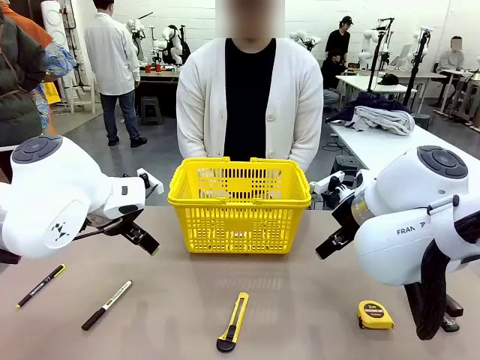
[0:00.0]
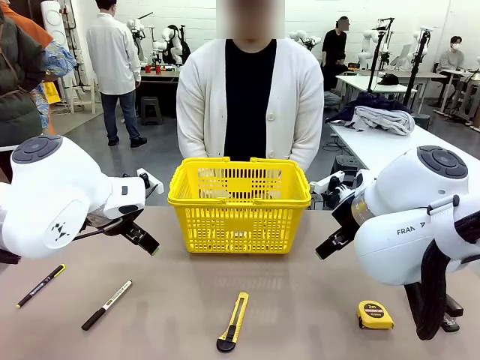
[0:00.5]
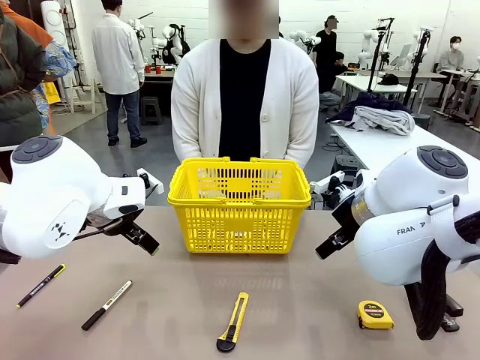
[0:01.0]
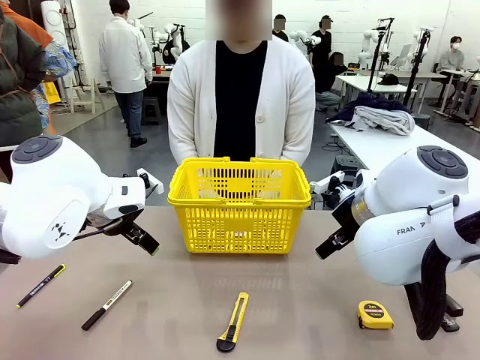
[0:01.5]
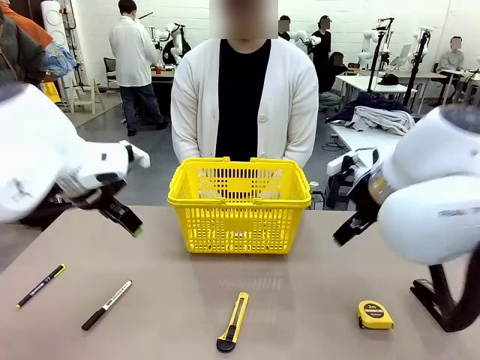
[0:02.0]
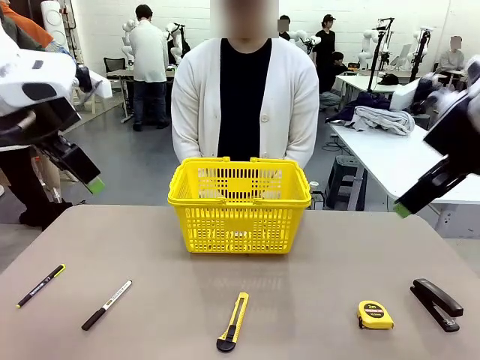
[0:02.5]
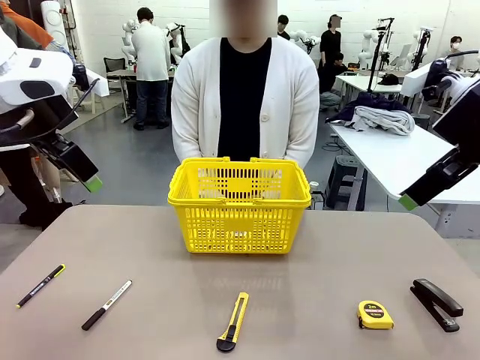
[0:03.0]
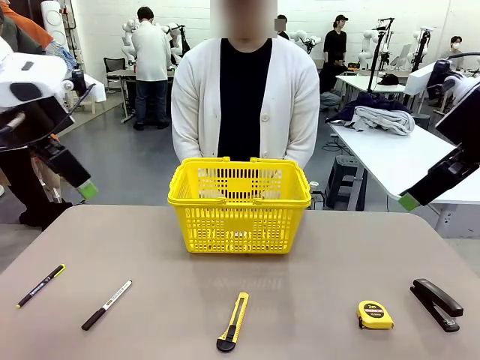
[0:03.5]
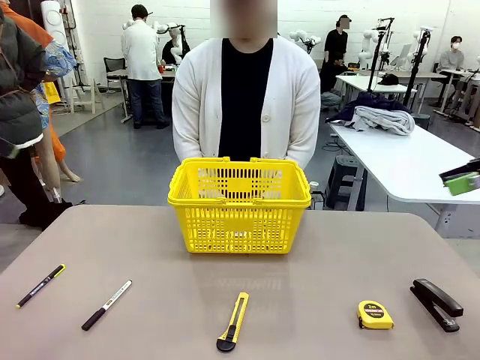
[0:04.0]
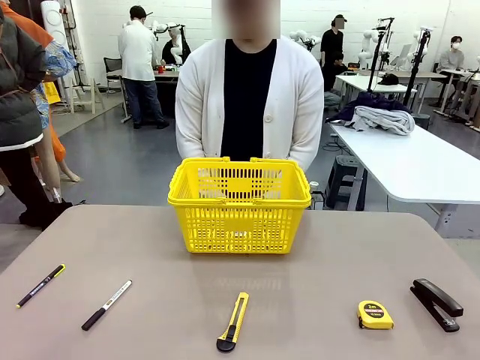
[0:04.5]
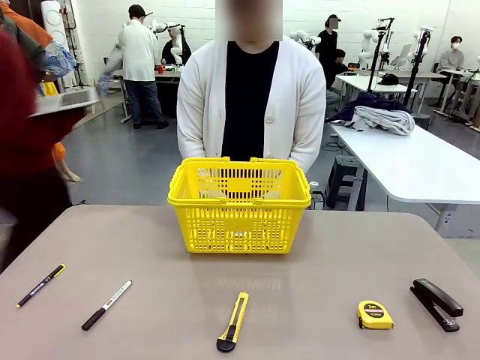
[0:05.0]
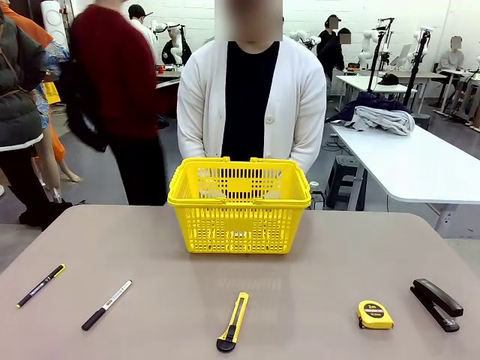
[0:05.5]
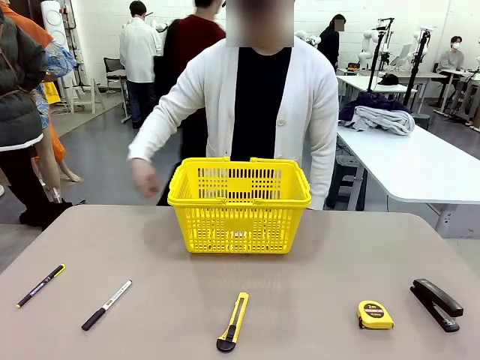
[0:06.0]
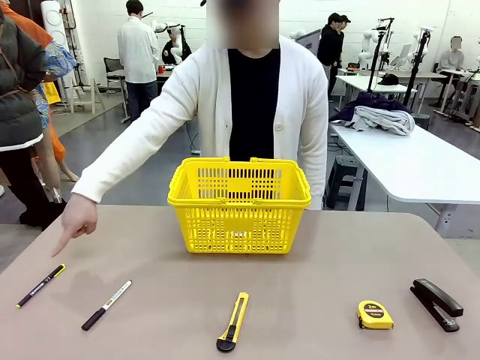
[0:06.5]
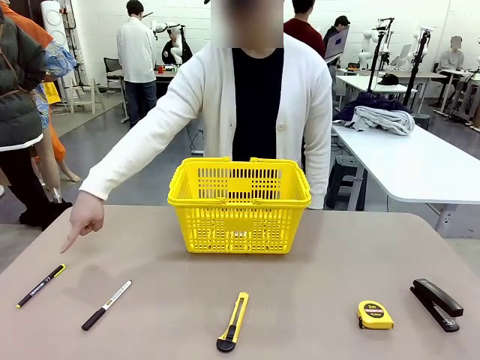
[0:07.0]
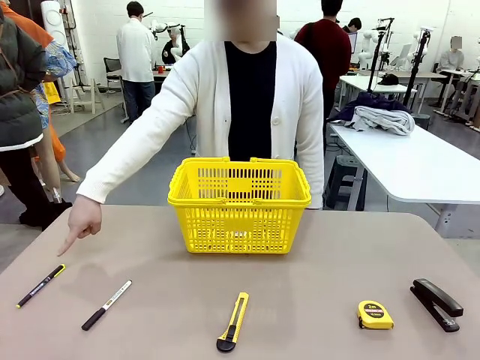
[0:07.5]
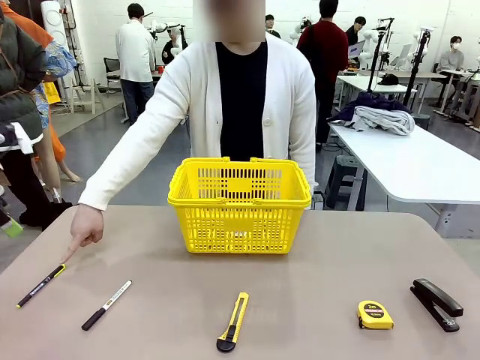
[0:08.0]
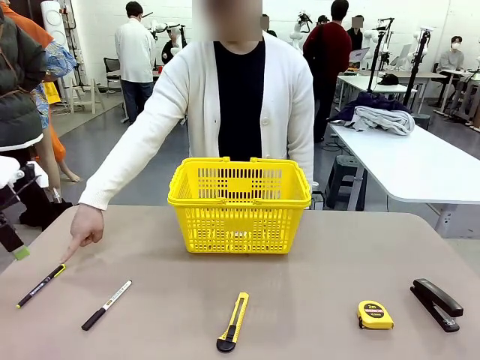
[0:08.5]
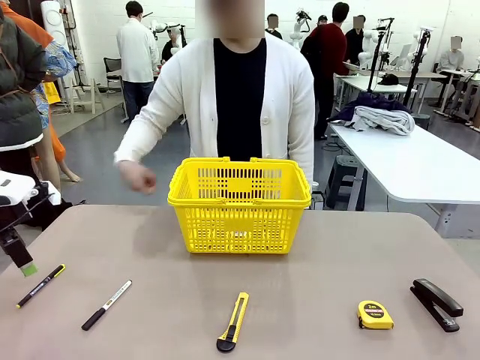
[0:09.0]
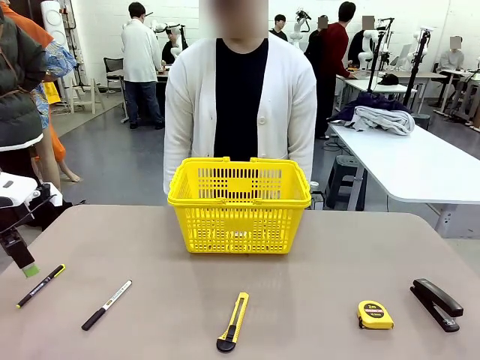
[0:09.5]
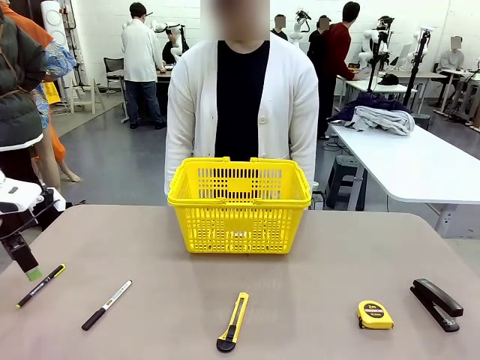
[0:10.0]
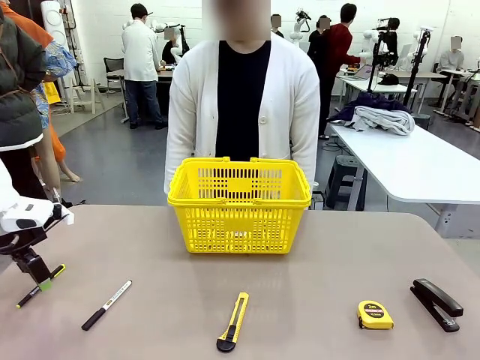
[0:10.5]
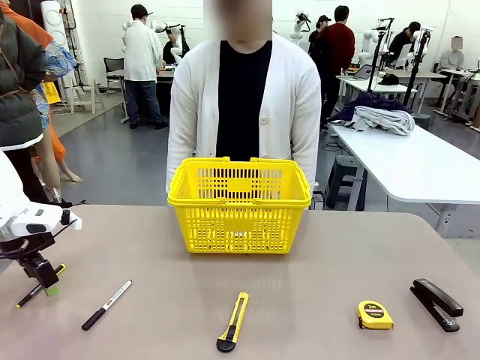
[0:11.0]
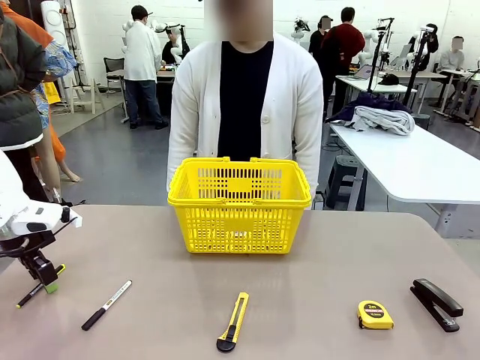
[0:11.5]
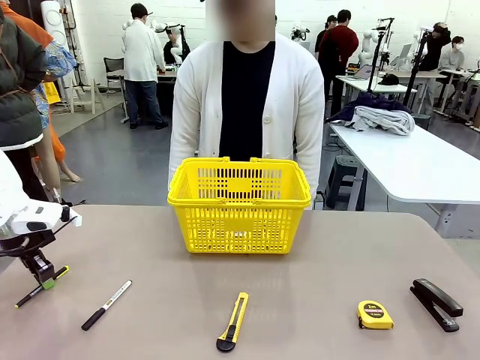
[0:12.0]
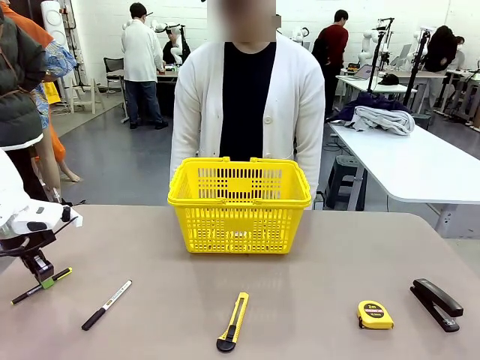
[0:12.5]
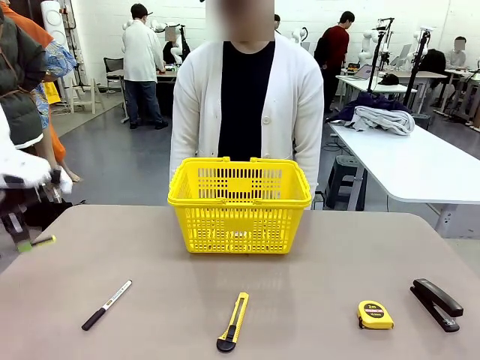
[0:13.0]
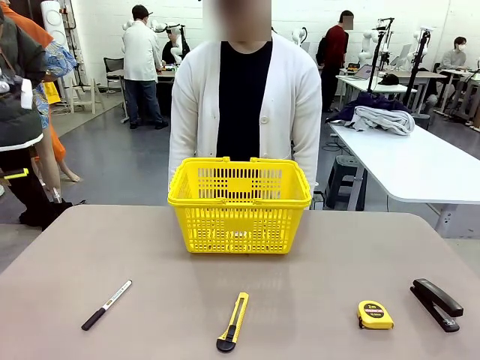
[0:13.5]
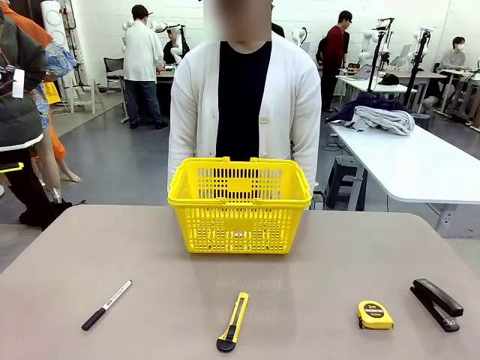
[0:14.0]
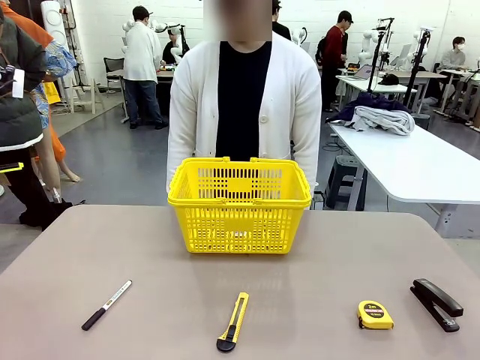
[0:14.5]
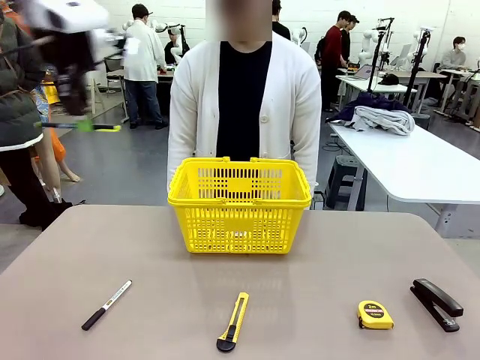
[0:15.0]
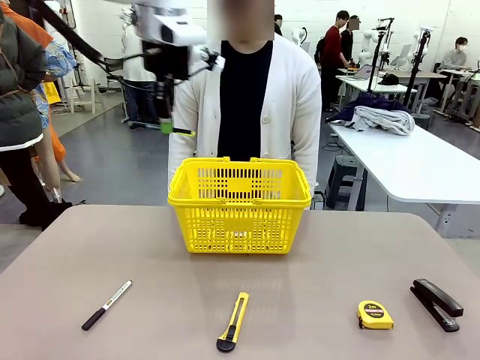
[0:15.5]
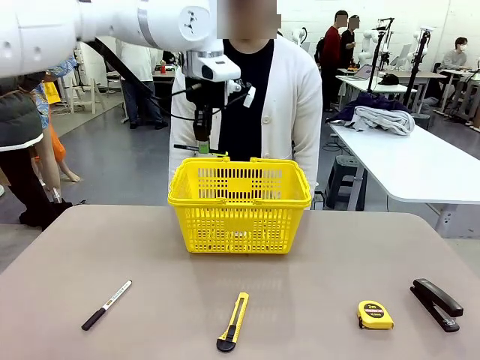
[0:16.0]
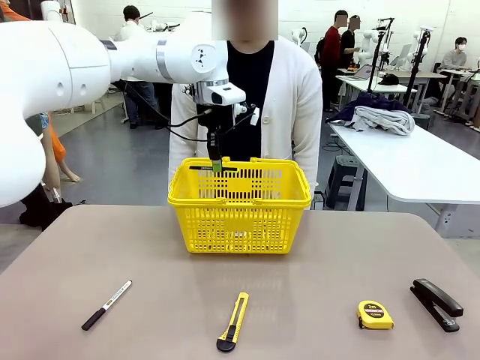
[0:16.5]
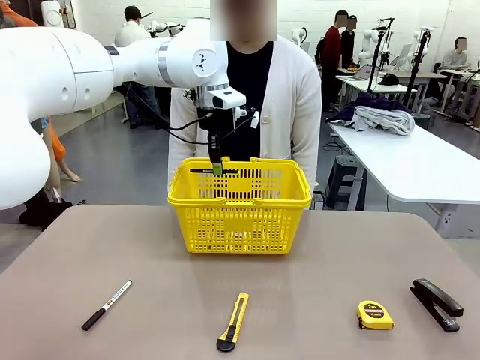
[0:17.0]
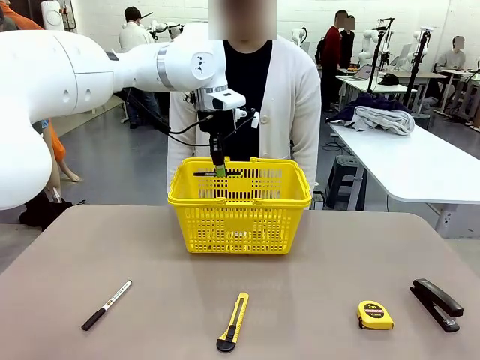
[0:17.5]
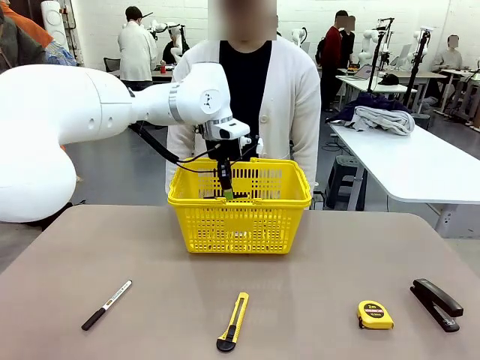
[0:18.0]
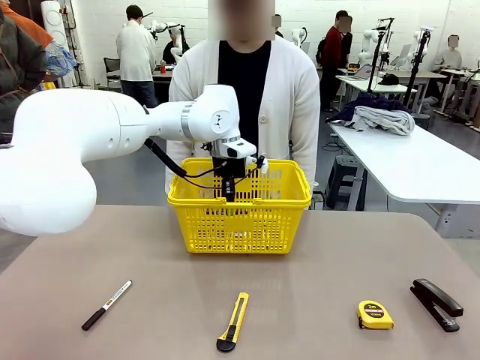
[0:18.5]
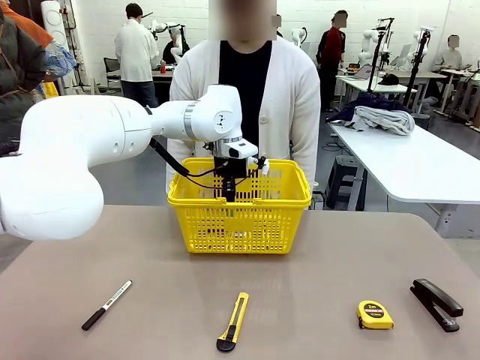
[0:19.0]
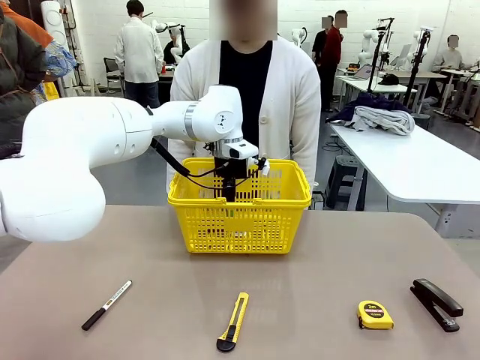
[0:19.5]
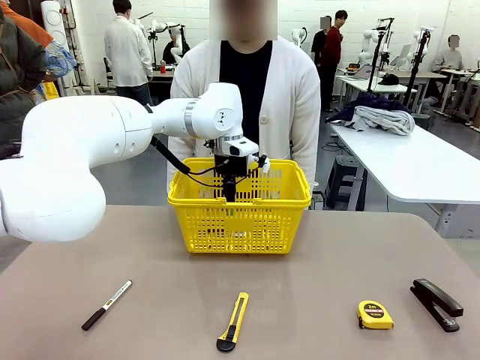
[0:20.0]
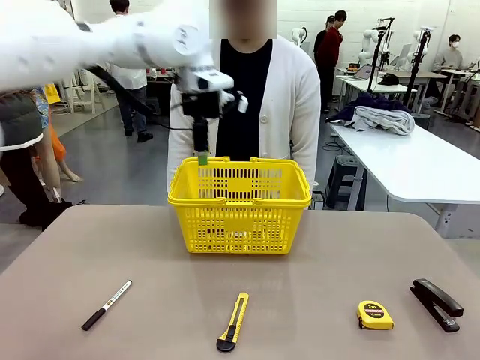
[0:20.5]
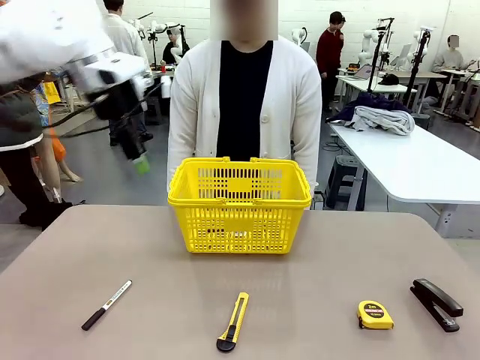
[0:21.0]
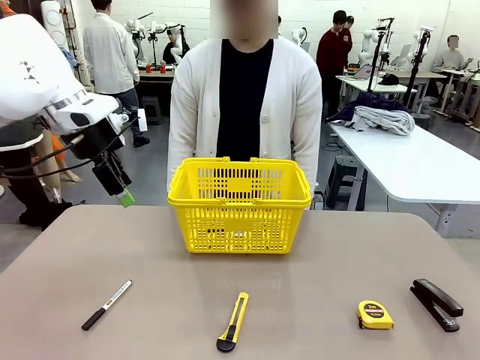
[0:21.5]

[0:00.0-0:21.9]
Task: Place the items the person wants into the basket.
Robot: Pick up the item the person points to and place it in the Market Basket.
